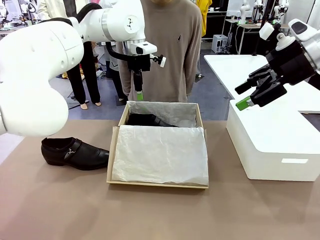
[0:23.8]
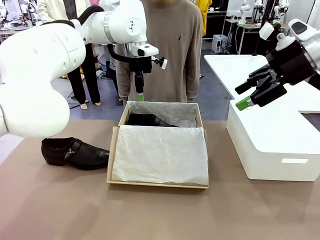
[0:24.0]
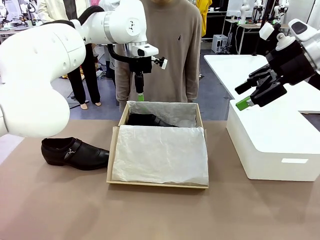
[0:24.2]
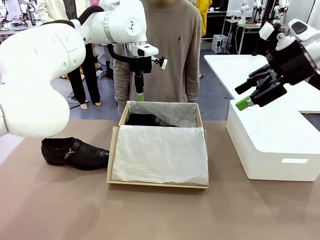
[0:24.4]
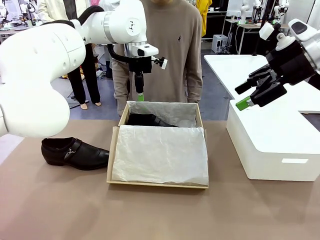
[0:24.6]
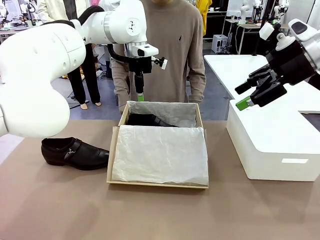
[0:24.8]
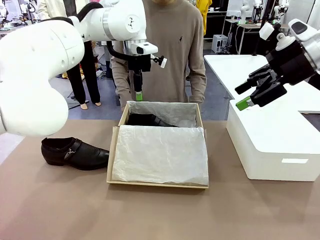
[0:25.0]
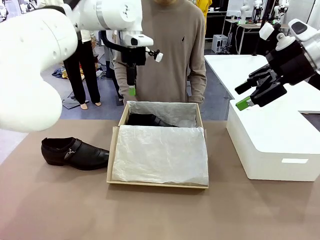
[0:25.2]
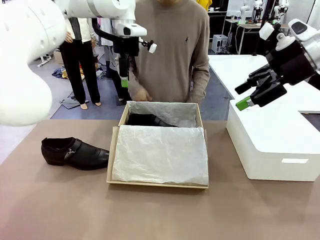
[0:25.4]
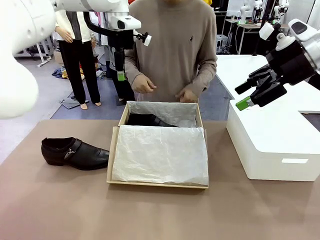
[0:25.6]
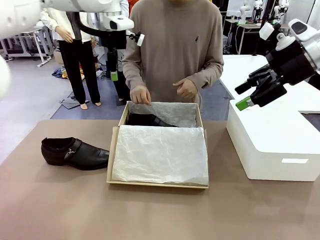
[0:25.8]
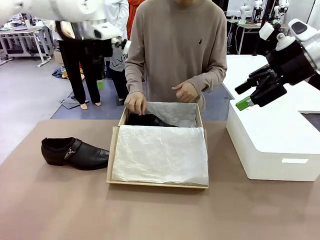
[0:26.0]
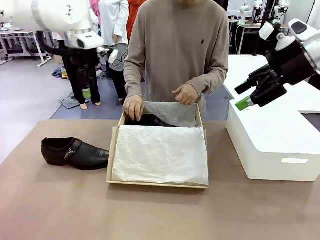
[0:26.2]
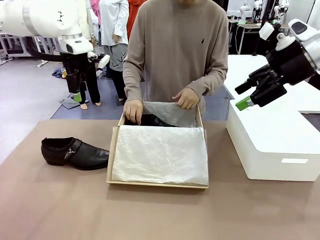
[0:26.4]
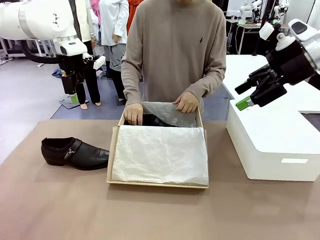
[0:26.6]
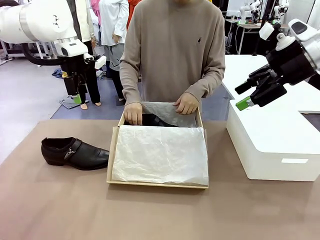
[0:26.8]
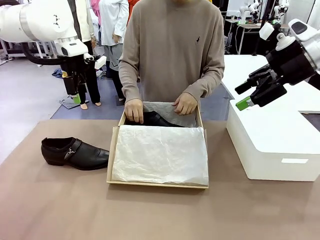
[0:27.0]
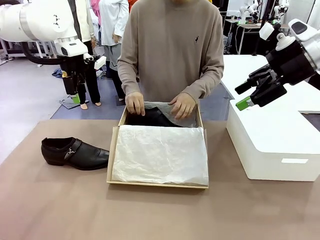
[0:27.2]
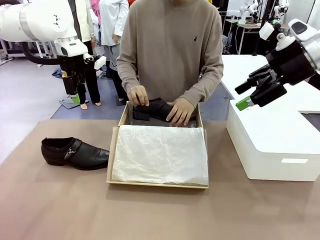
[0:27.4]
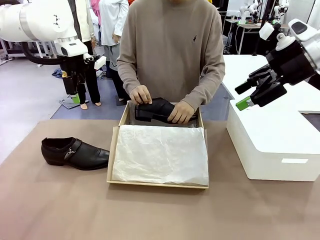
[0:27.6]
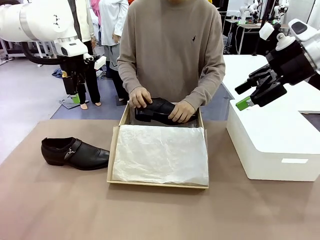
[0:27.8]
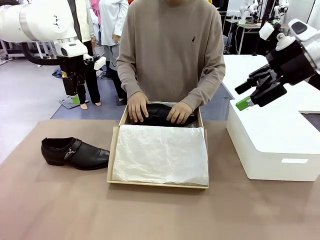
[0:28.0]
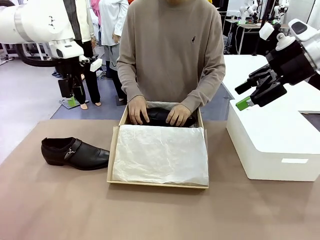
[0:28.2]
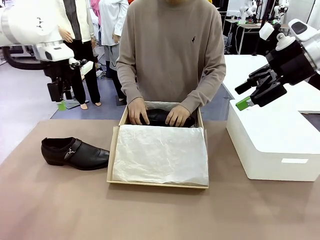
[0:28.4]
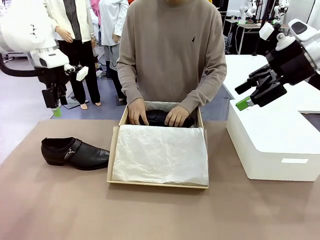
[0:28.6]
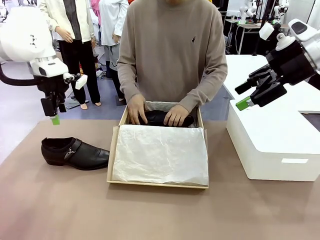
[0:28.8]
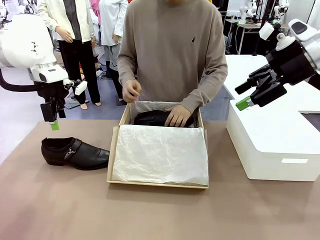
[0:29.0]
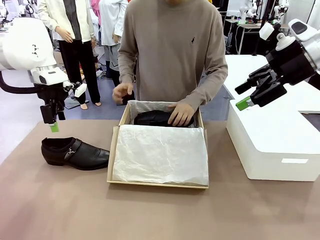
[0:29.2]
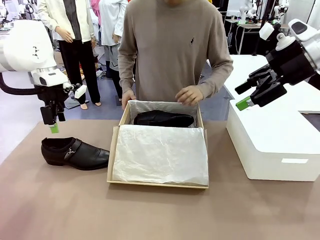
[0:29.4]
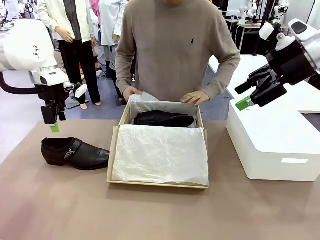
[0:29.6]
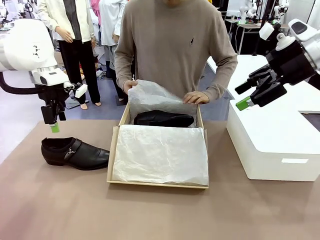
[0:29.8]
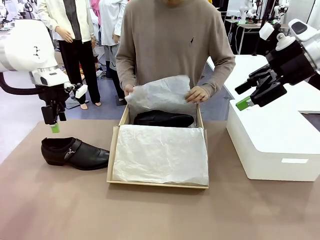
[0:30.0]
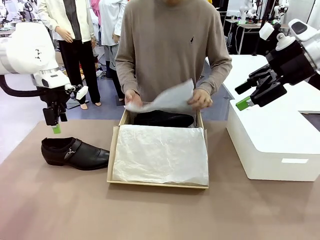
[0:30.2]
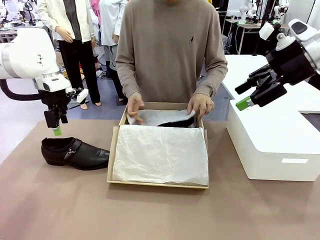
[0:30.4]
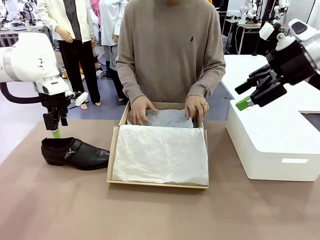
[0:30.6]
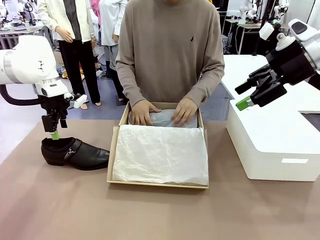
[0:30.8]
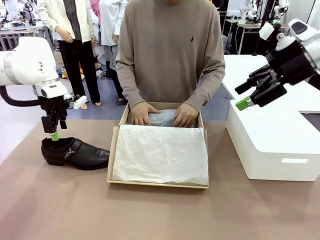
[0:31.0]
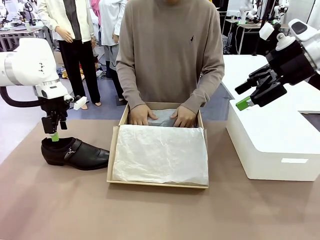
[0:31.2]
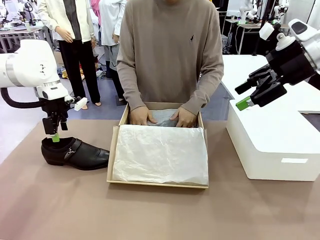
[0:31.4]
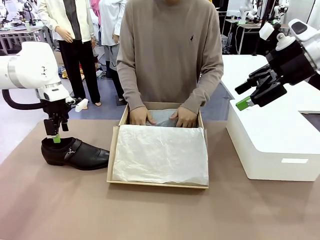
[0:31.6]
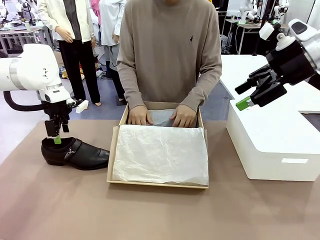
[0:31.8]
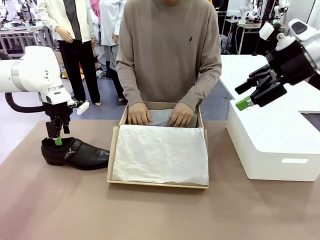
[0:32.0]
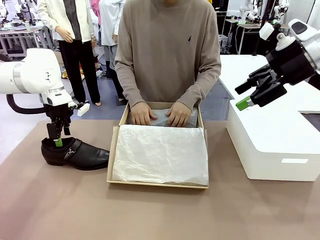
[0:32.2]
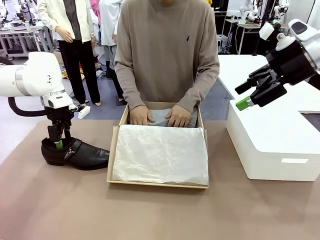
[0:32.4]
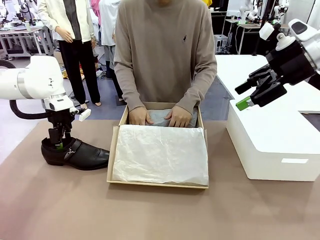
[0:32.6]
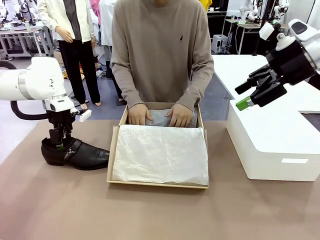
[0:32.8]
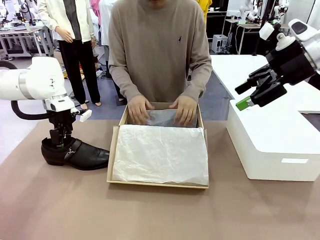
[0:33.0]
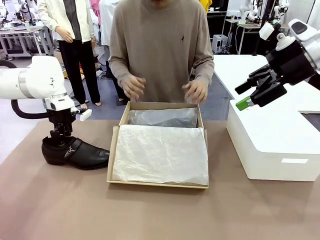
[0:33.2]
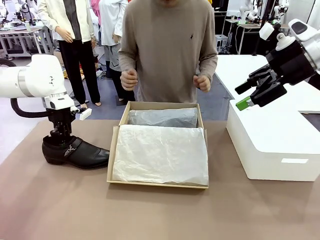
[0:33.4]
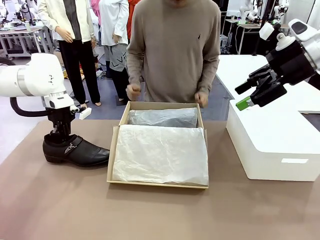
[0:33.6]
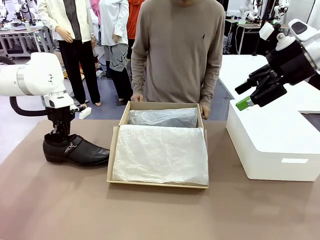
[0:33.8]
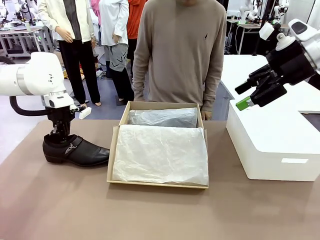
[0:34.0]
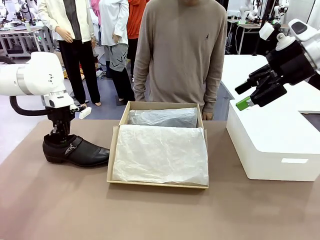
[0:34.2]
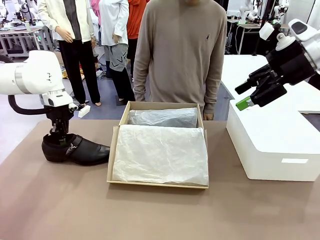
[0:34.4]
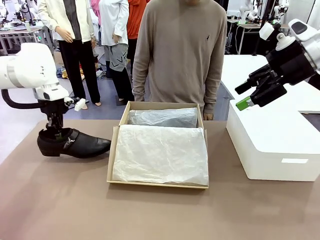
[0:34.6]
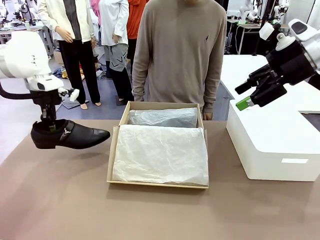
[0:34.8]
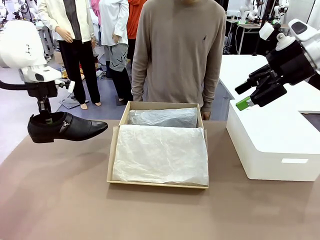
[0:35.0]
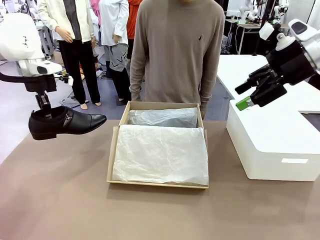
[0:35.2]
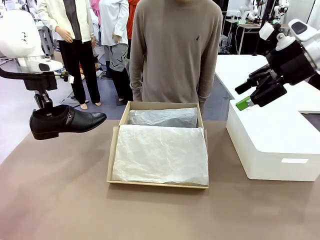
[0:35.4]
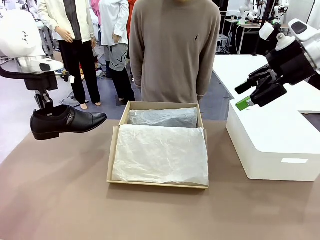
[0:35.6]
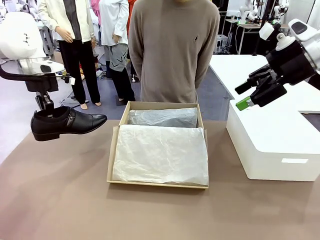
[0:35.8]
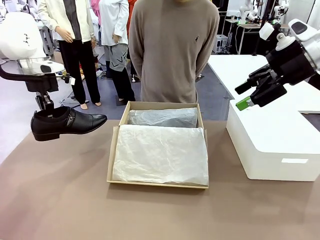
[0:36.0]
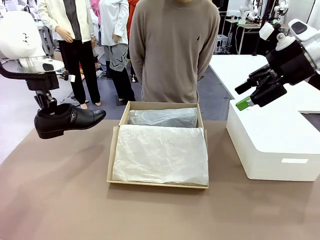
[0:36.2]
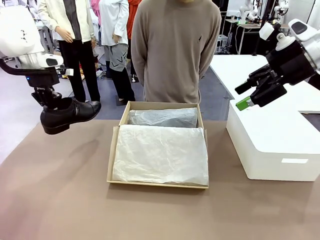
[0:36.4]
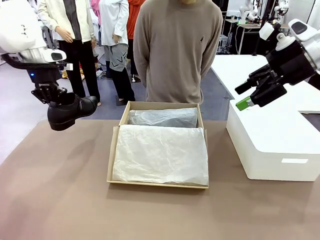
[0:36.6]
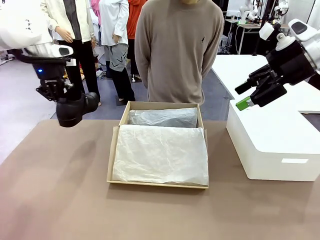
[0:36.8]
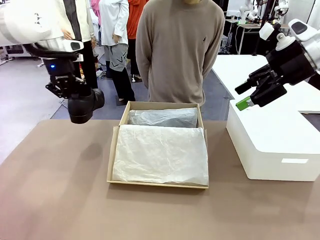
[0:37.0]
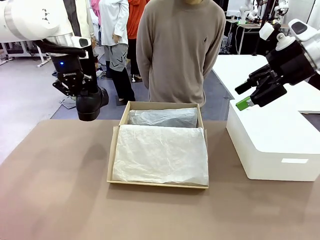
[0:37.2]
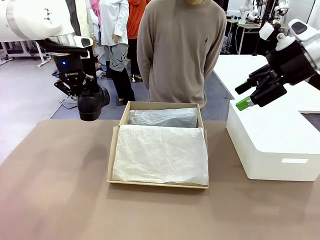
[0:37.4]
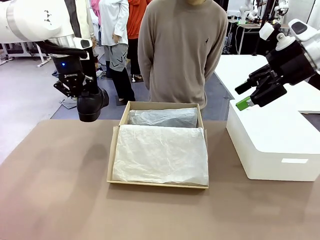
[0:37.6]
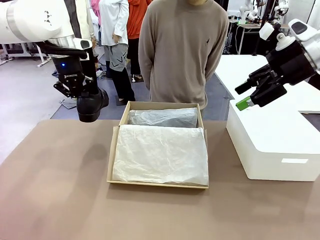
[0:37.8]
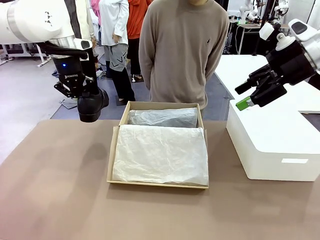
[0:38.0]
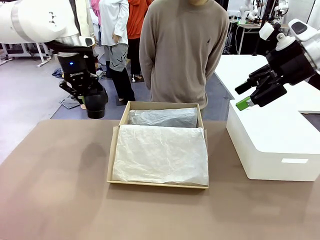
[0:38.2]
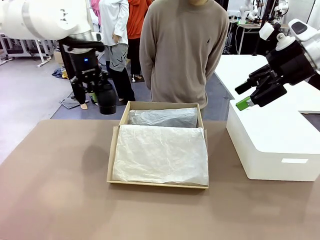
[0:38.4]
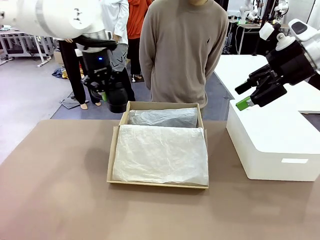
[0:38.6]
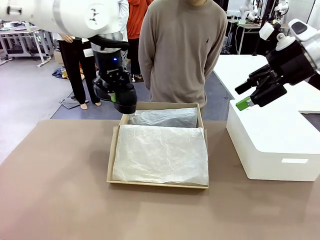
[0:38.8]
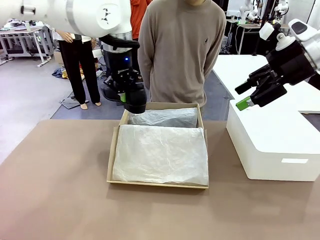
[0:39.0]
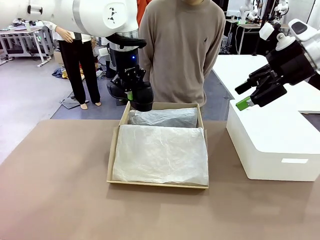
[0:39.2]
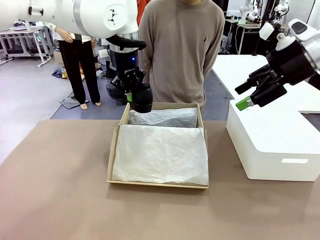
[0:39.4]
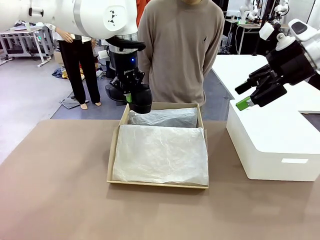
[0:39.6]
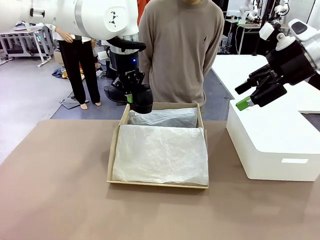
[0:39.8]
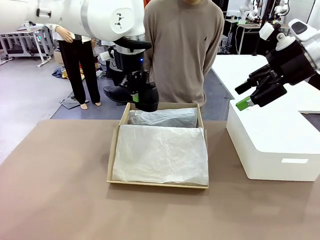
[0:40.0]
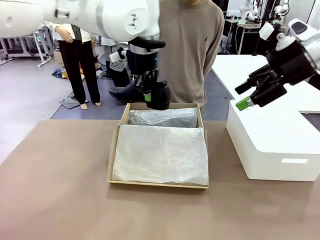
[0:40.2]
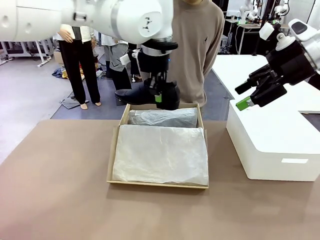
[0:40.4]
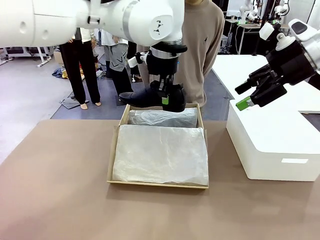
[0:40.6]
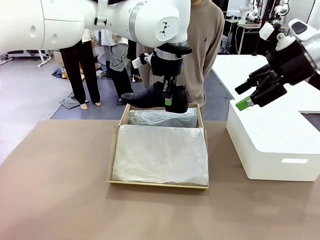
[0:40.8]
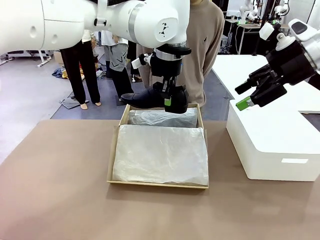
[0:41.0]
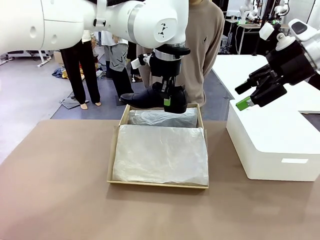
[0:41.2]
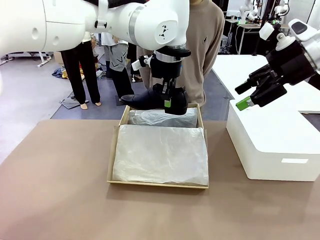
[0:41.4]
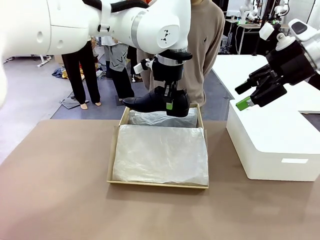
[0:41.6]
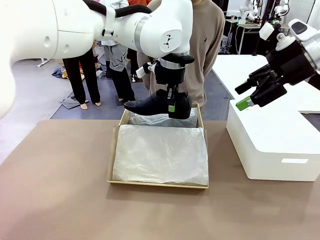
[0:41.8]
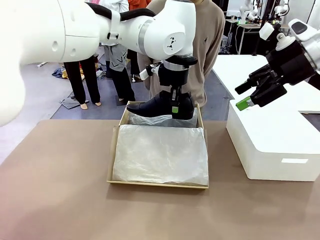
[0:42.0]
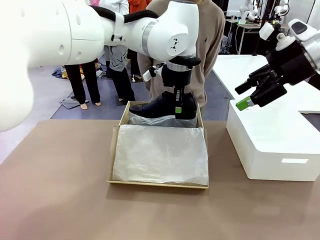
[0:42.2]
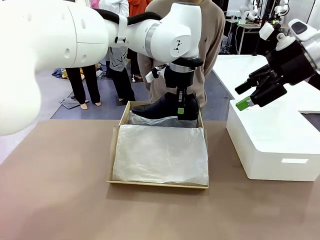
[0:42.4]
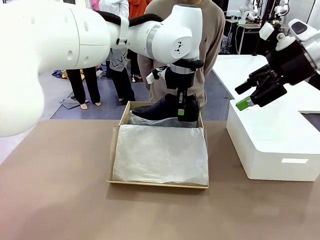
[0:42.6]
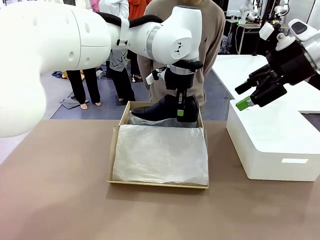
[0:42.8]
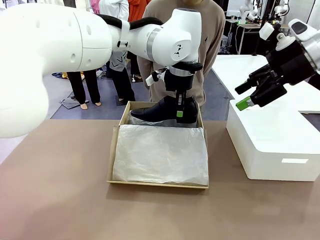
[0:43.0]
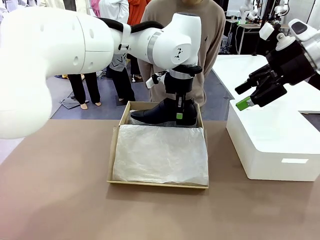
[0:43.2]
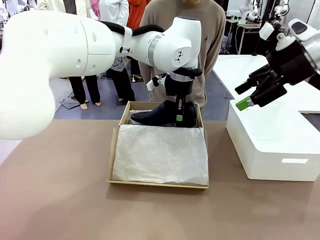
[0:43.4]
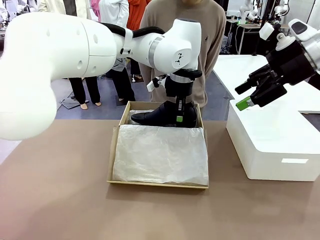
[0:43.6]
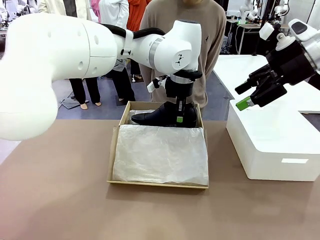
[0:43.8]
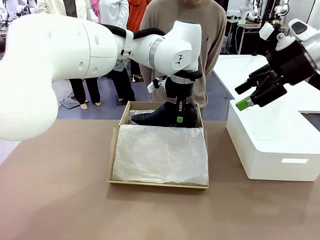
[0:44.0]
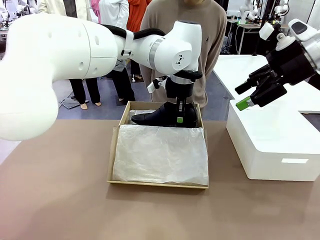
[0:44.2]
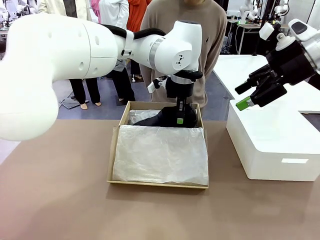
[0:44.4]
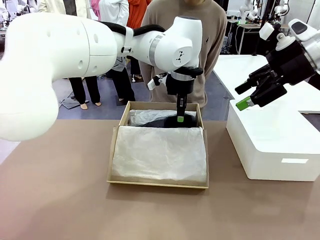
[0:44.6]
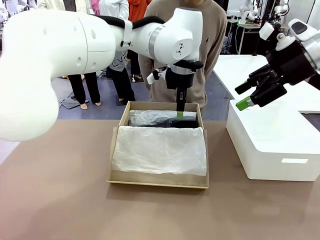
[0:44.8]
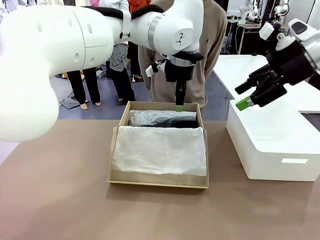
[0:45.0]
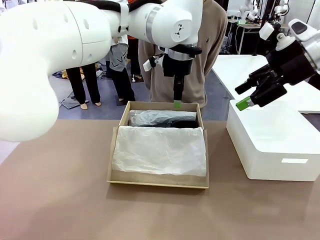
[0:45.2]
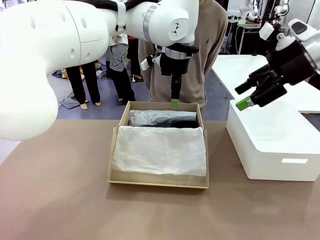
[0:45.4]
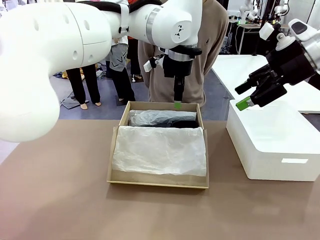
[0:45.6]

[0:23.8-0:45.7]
Task: Pack the shoes into the box.
Robot: Place the other shoe of the Shoes into the Shoes Box.
Person: Pack a shoe of Shoes inside the Shoes Box with Shoes Wrapping Paper.
